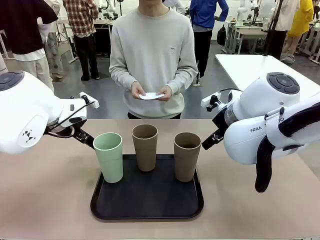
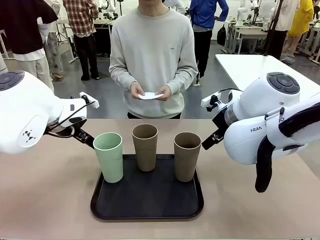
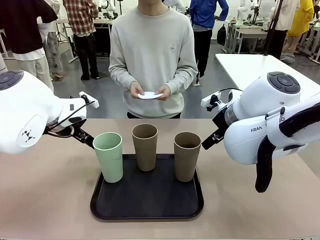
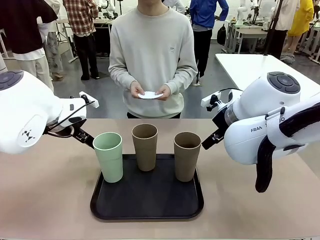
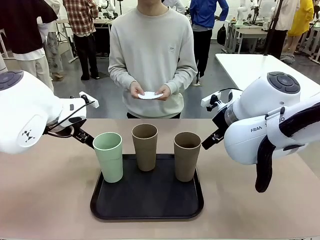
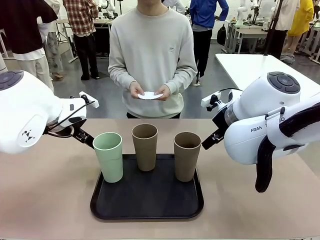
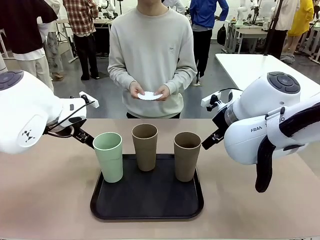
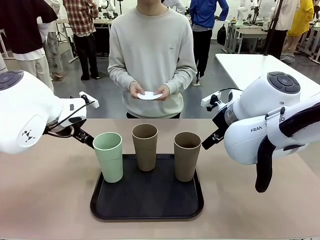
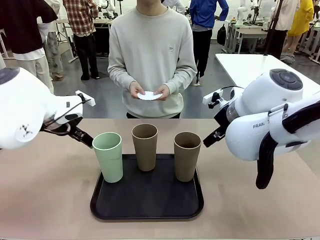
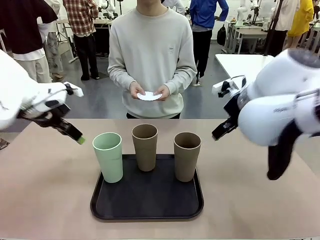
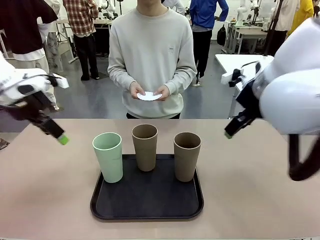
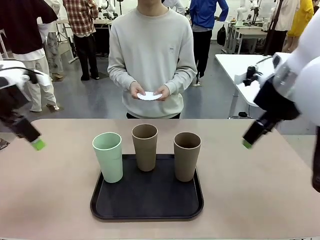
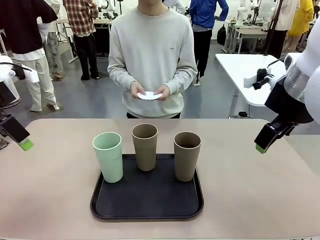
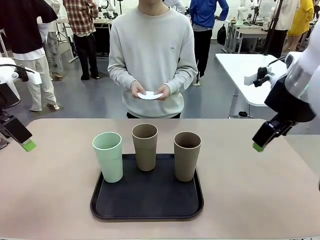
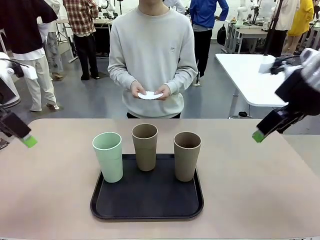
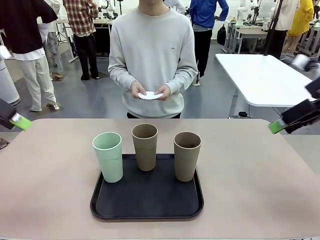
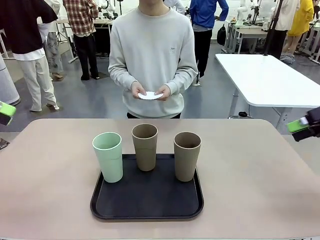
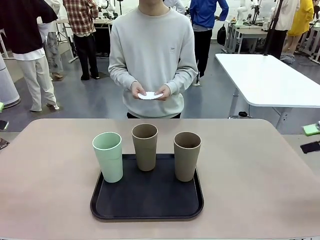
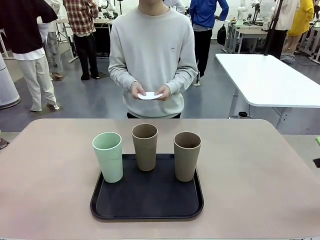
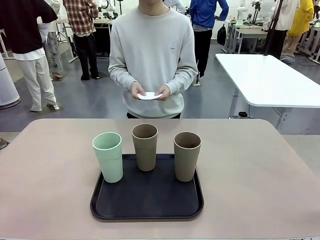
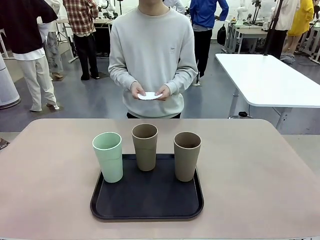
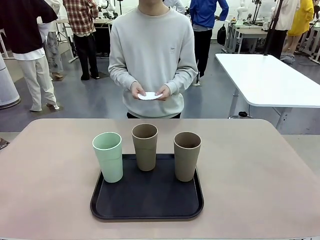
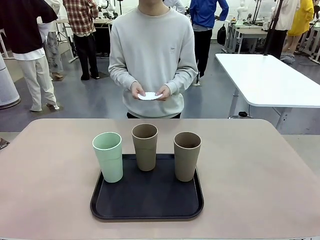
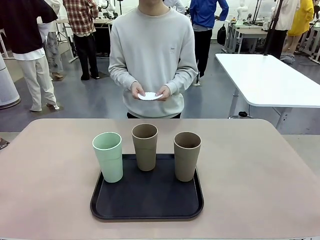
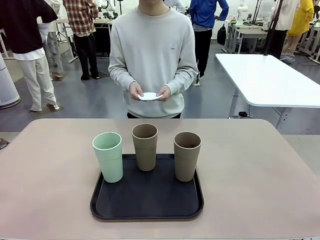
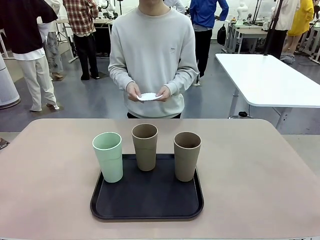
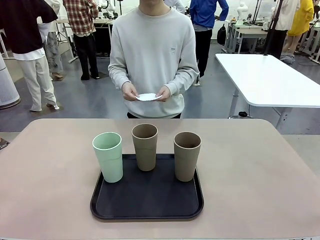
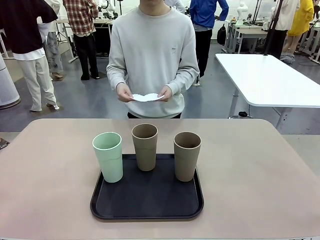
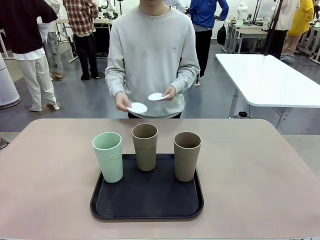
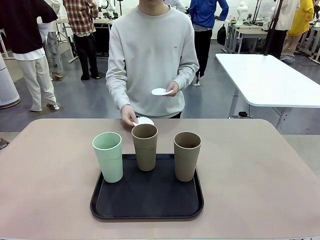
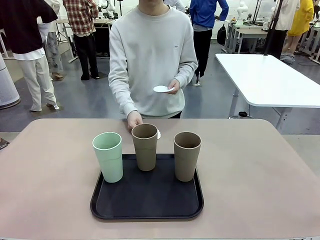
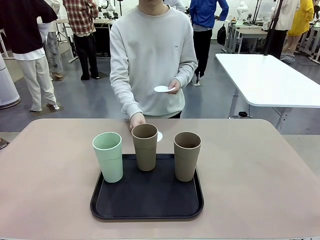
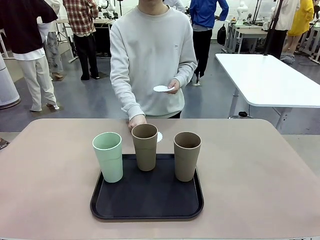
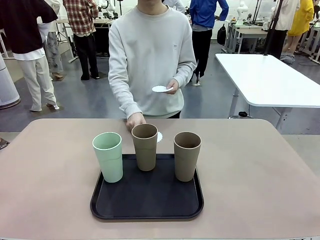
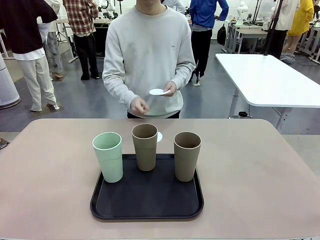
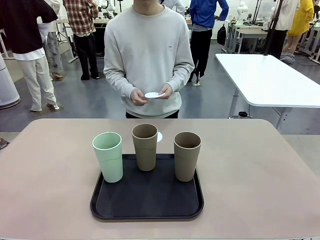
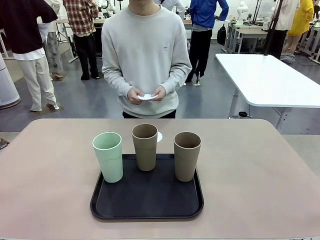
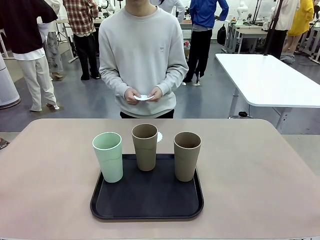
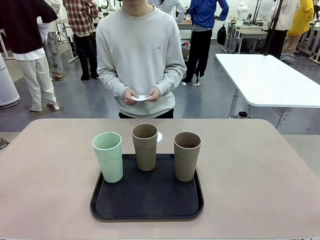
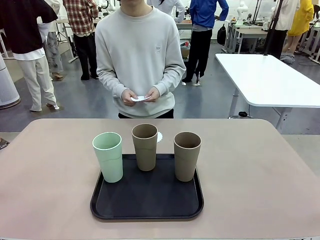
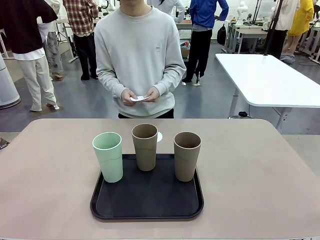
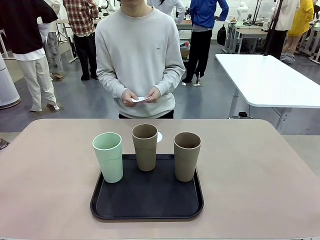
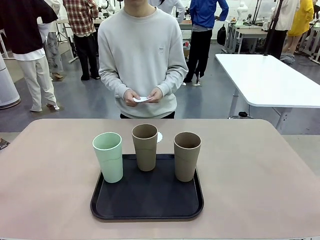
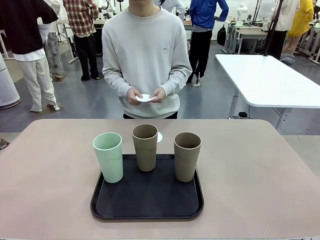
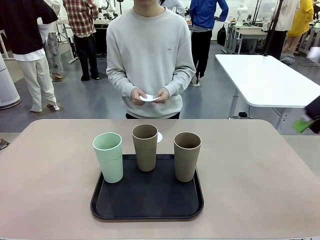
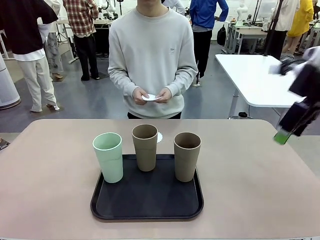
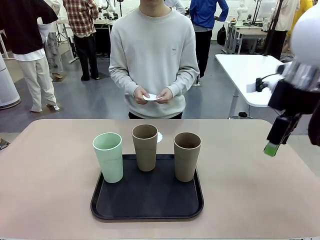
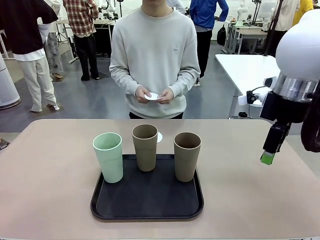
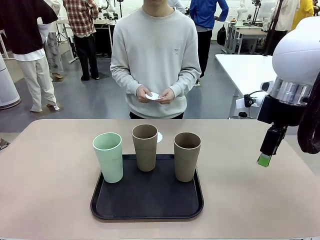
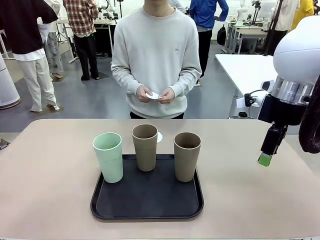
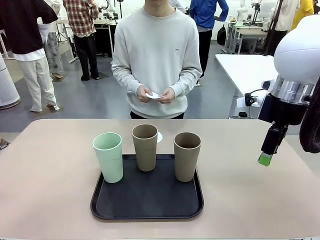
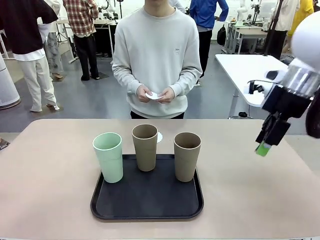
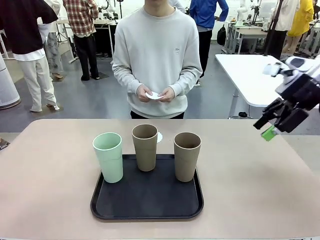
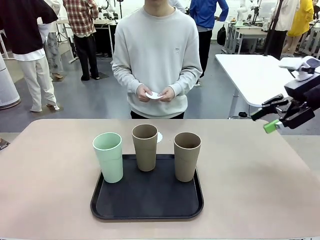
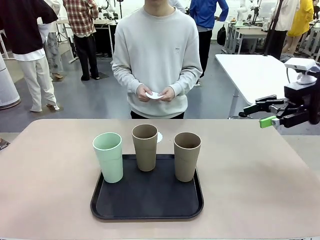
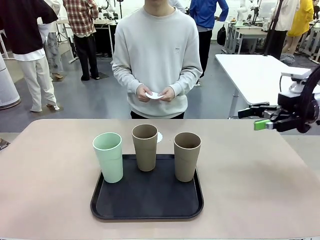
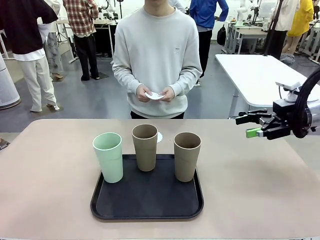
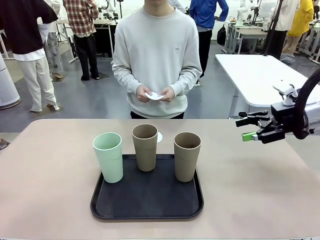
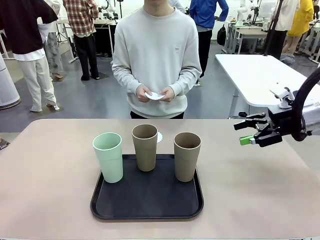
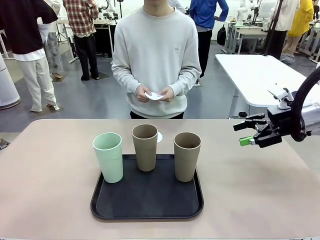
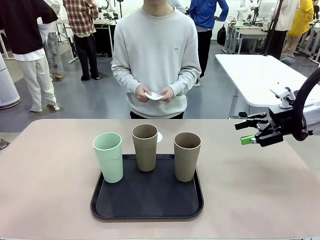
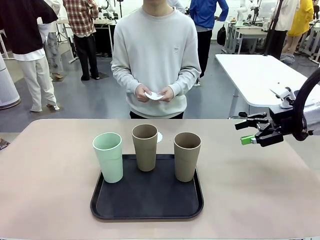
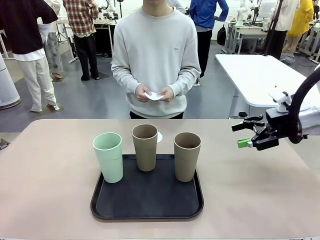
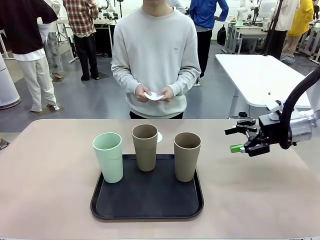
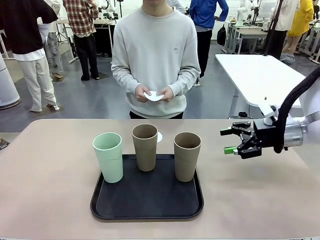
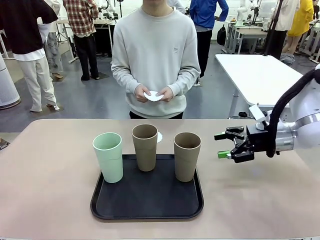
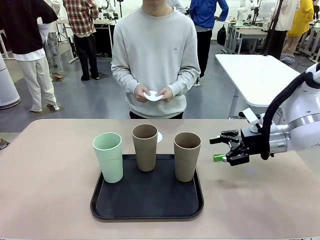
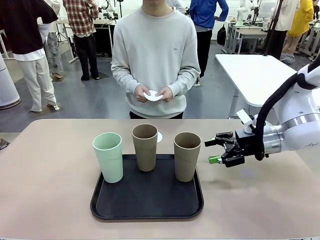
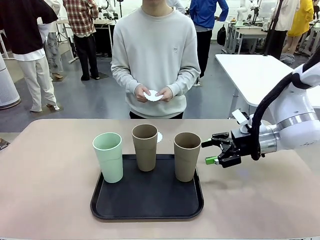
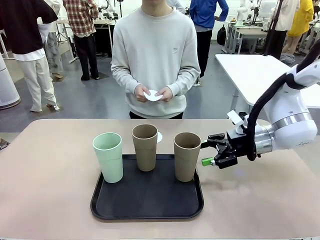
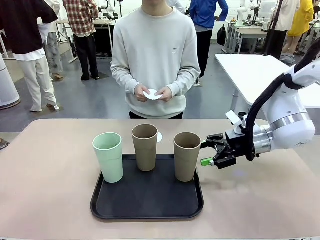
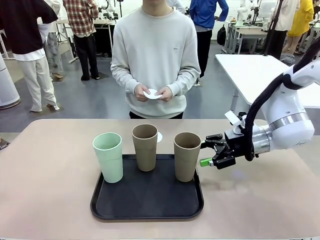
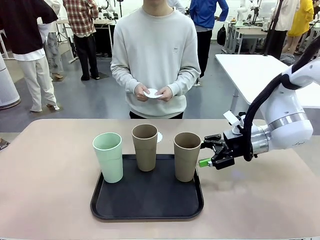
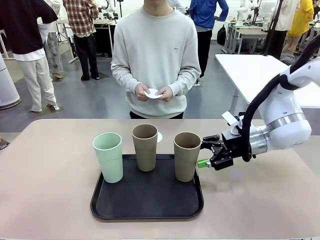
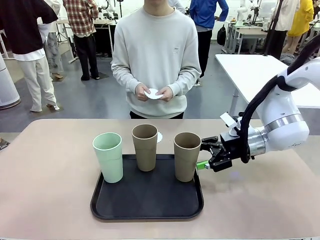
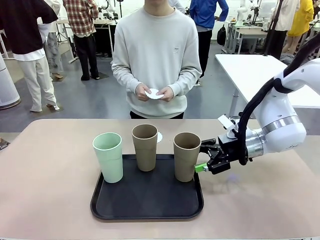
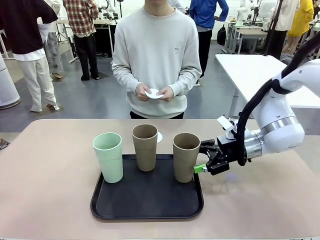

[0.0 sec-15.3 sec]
Task: Place coasters on the table and set cups on them.
Robot: Pick up one Reusable plastic cup and place it on a coaster set by the human.
Person: Place one coaster in any one of the three lower areas of the robot table (left, center, or right).
